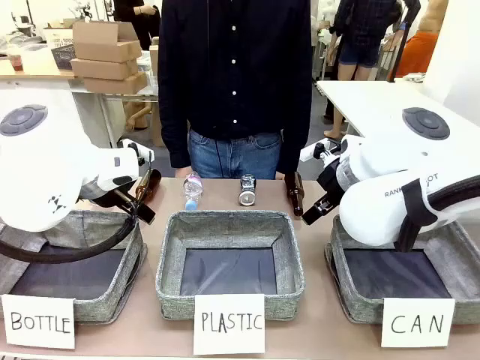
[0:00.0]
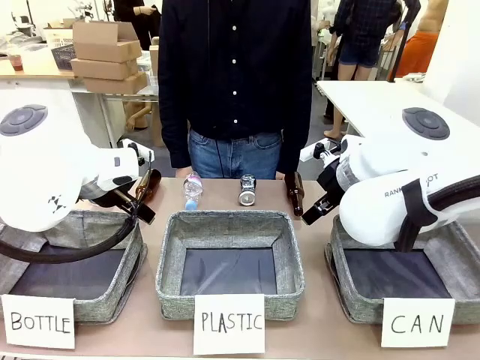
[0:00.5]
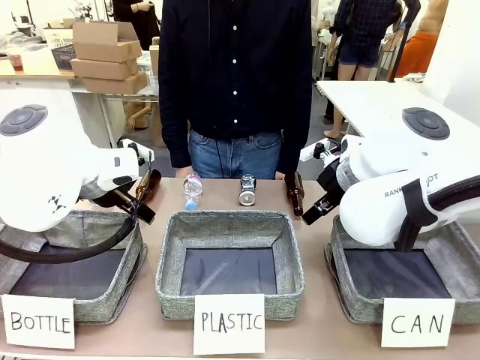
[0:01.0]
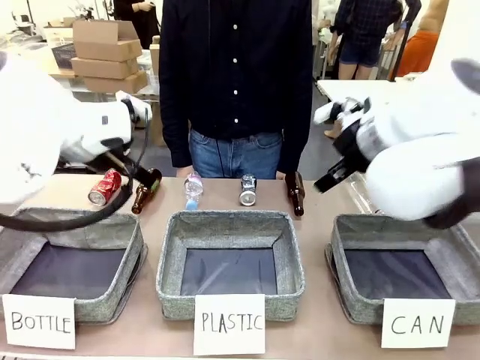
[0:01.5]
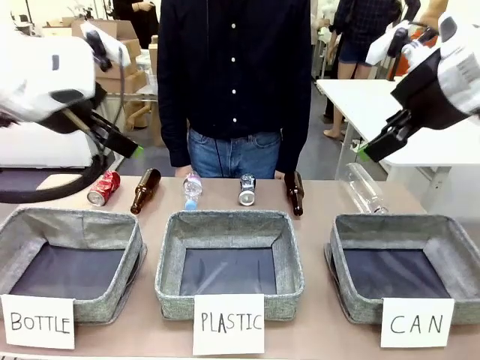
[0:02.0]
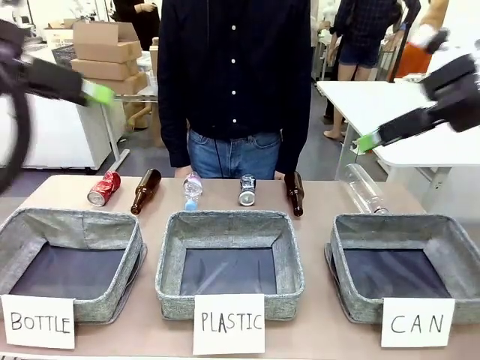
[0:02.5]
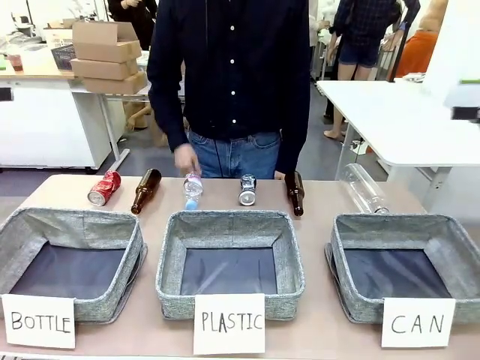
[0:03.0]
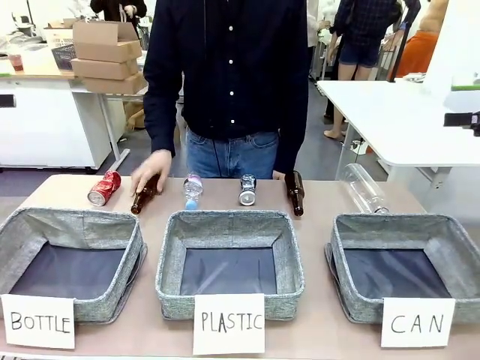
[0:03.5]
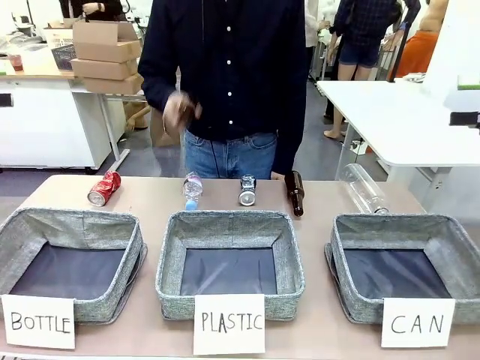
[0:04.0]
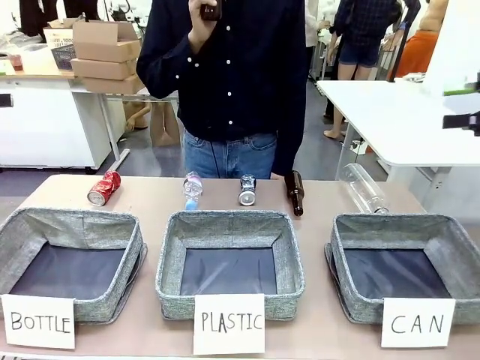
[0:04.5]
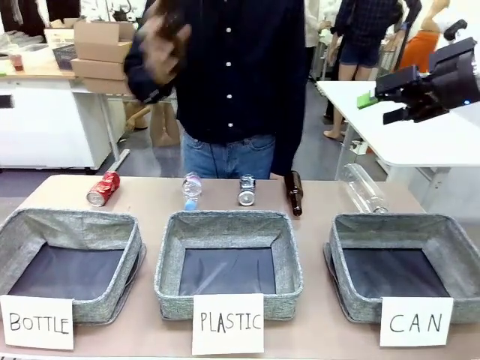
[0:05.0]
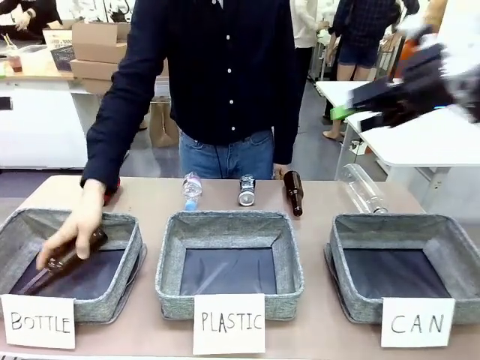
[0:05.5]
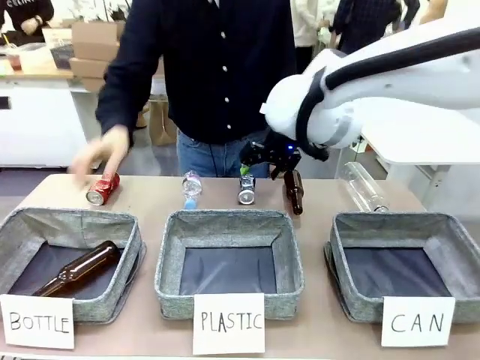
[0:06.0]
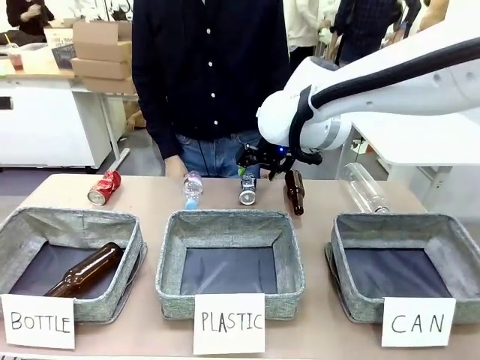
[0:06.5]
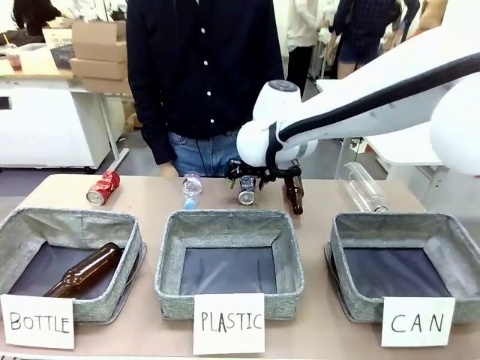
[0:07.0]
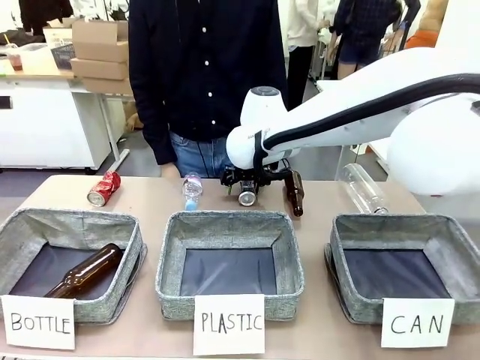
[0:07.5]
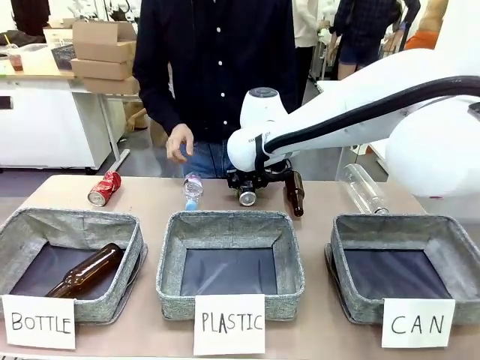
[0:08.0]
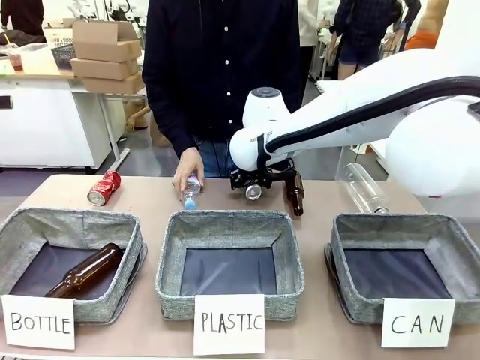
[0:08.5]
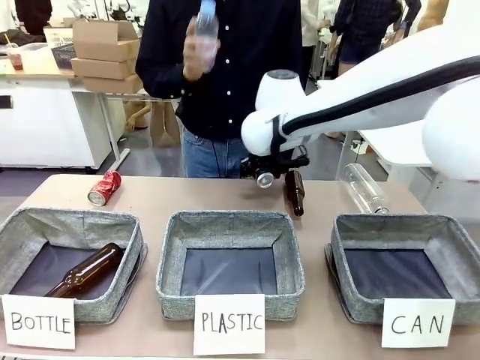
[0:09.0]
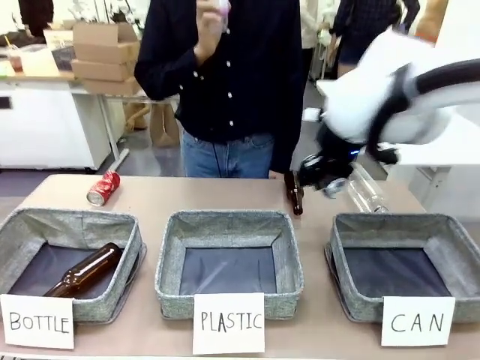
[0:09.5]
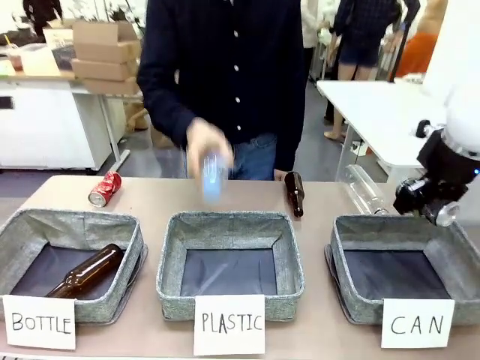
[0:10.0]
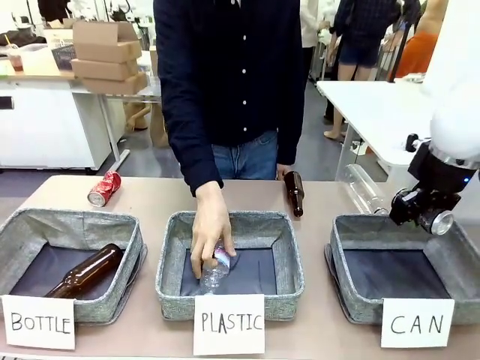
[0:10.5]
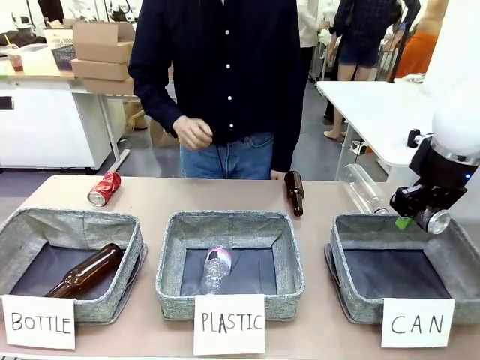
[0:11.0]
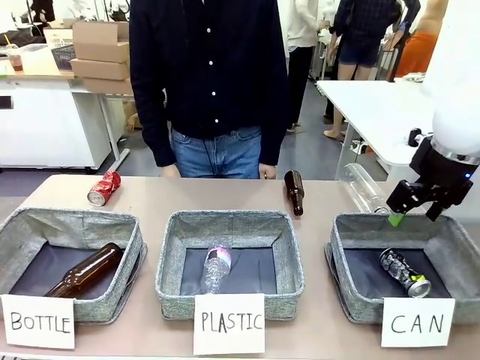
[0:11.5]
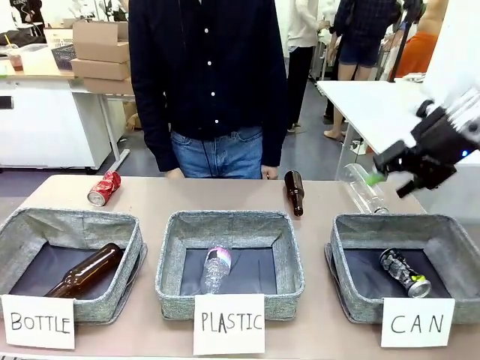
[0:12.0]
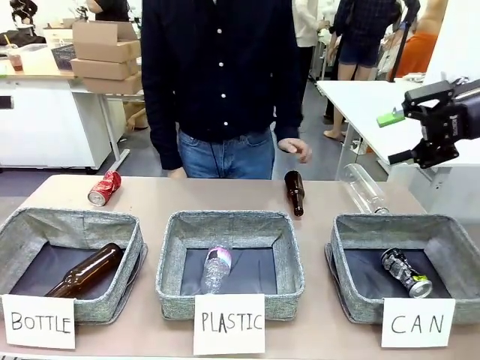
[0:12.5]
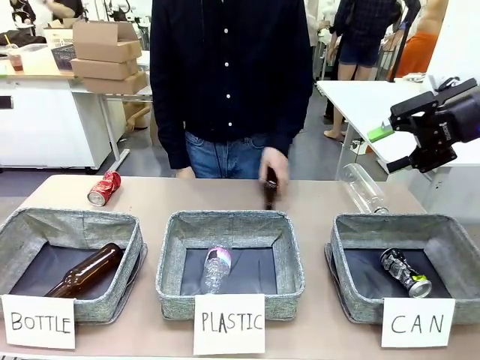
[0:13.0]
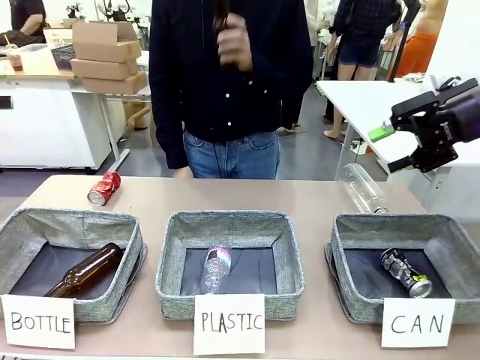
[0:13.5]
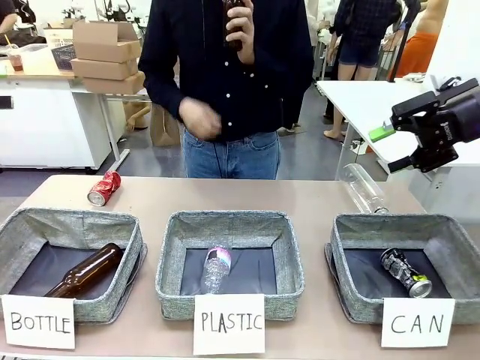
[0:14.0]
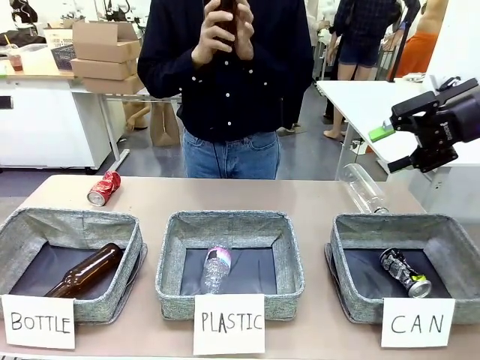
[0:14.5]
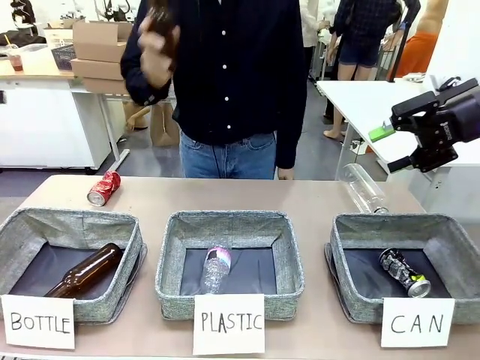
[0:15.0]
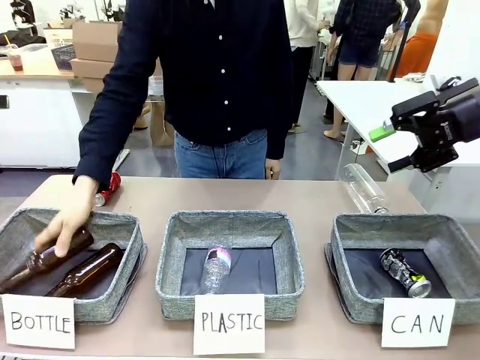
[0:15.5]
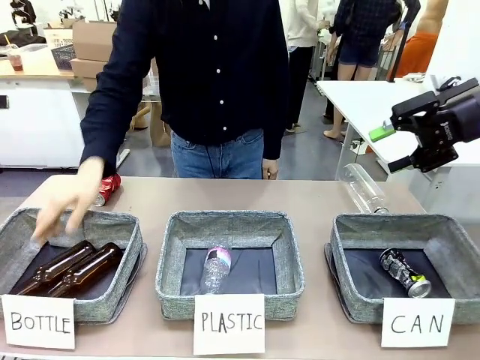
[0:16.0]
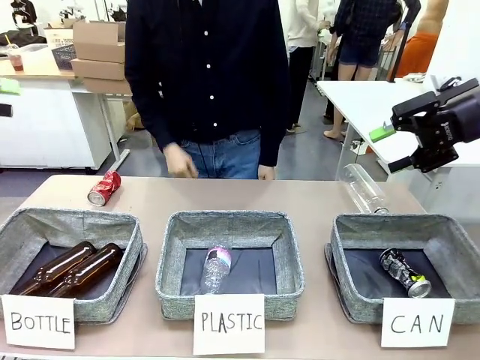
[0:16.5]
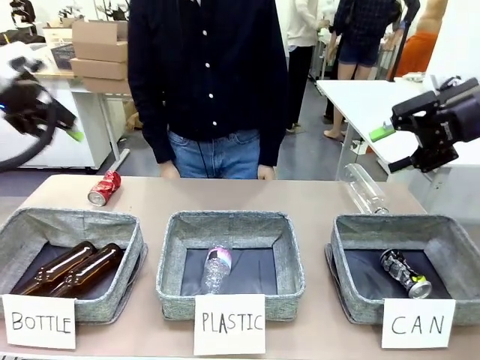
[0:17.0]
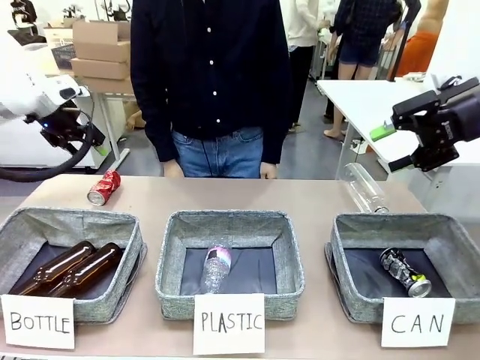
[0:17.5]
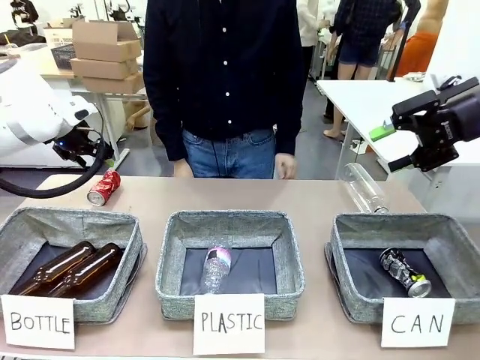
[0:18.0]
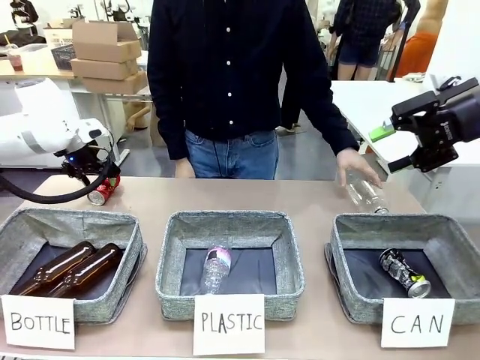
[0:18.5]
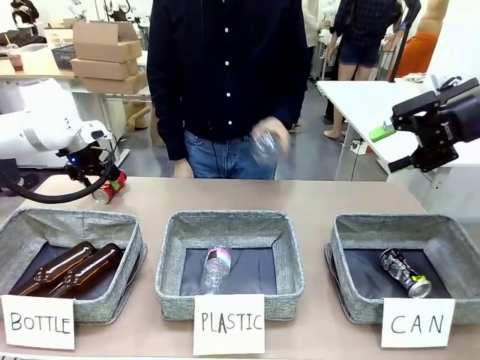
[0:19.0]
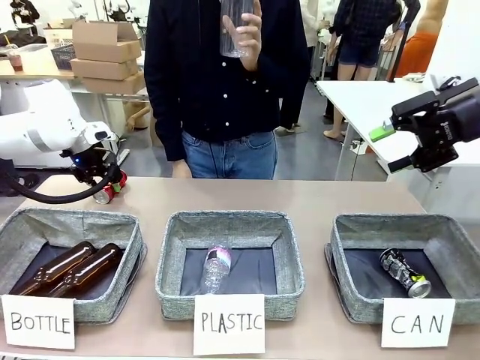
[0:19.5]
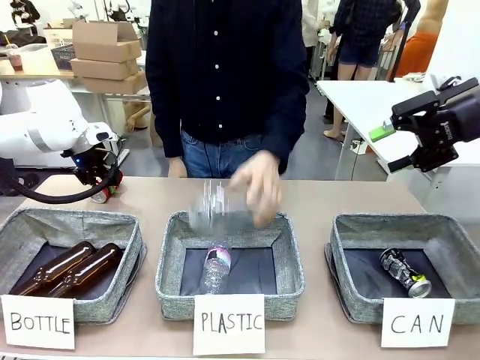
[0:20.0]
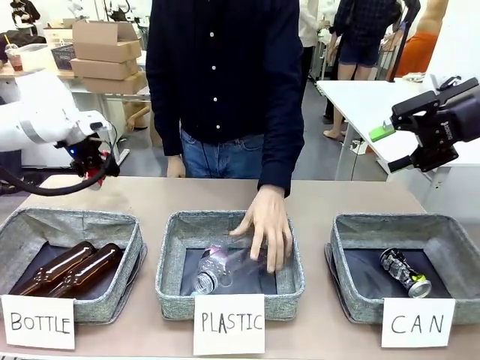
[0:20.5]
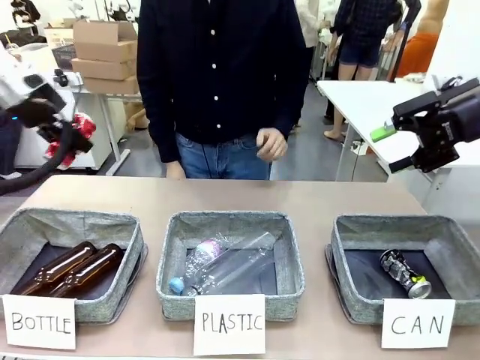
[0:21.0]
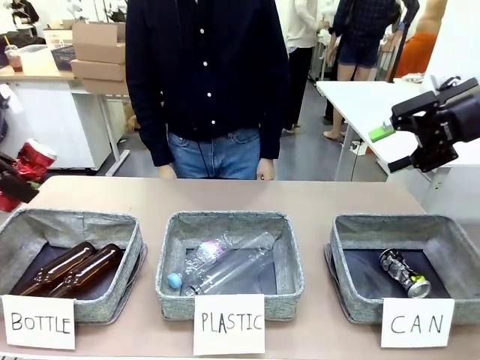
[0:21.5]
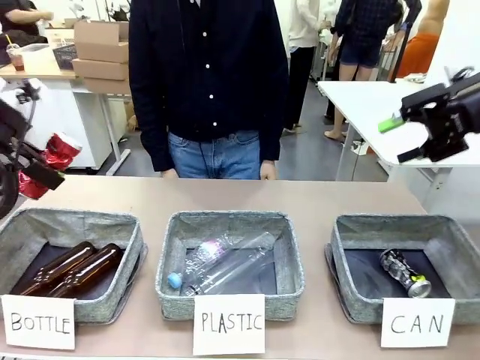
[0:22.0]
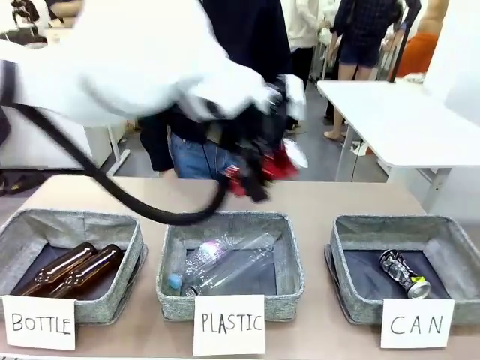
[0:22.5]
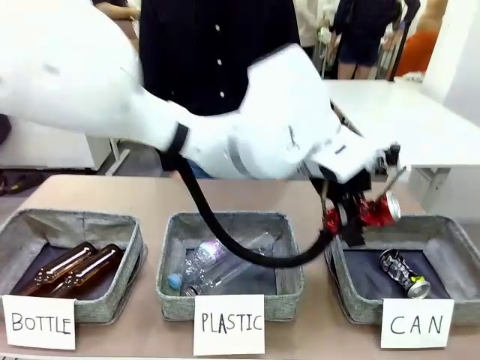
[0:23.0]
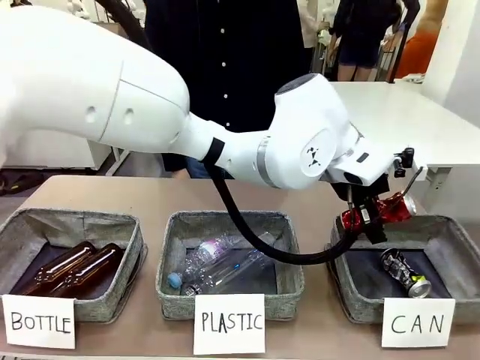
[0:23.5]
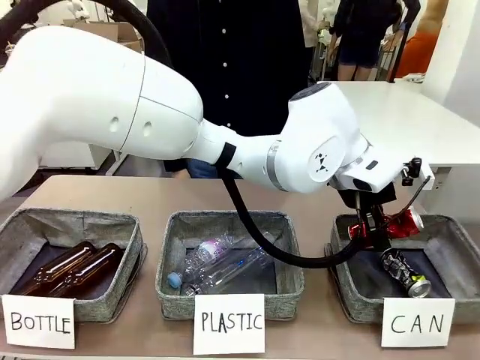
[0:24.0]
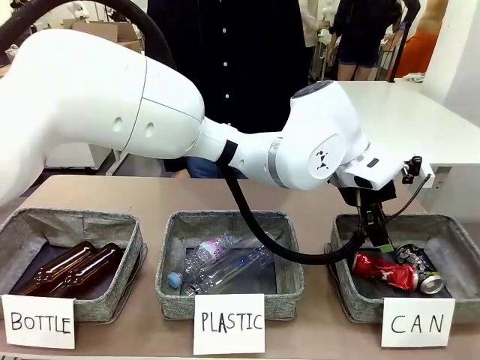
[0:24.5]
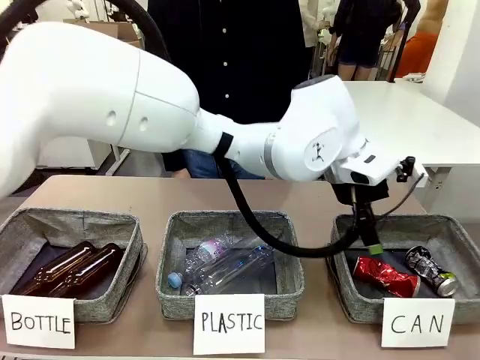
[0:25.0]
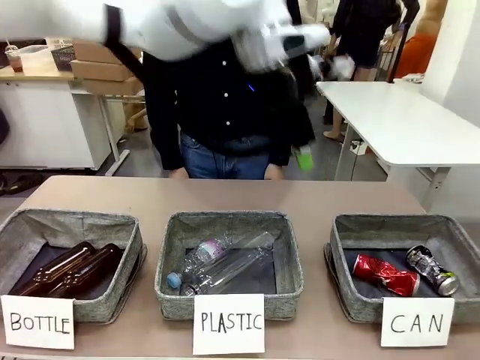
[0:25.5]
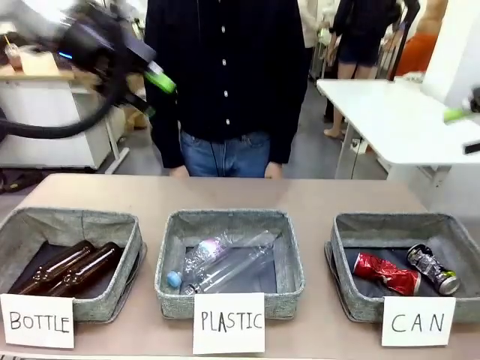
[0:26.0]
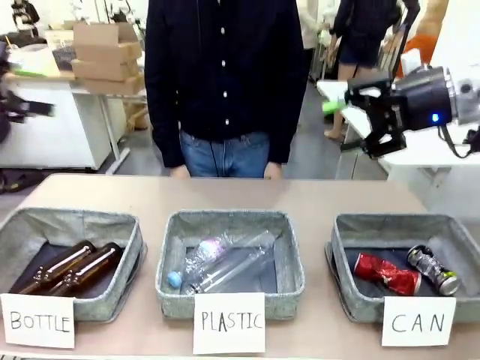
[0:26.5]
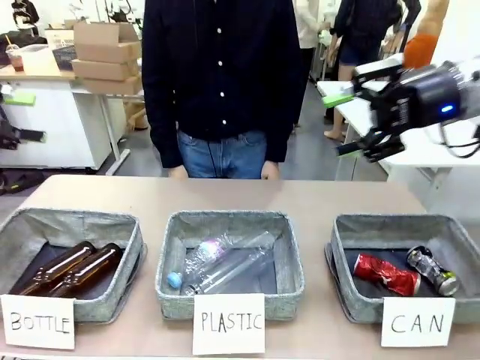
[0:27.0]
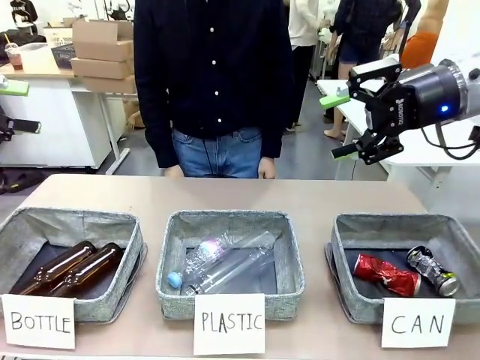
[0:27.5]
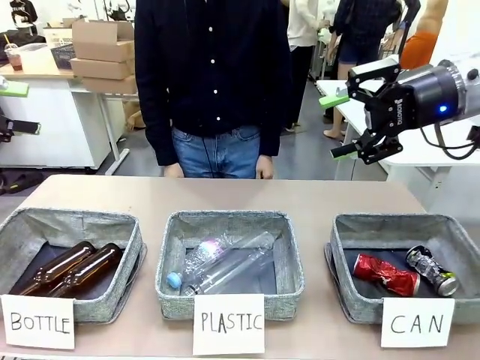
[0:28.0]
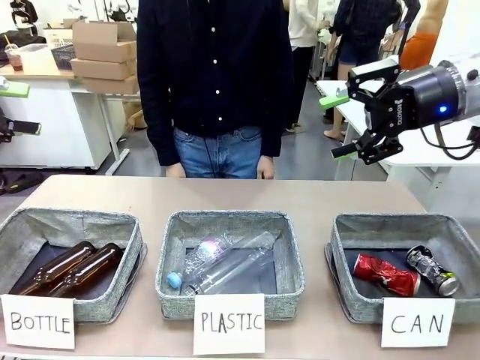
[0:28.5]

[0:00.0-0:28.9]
Task: Sort the can waste into the basket.
Robot: Pick up the can waste from the table and place it in the right Fabric basket.
Person: The human picks up one piece of trash that is not a can and places the trash into the appropriate organizing basket.
